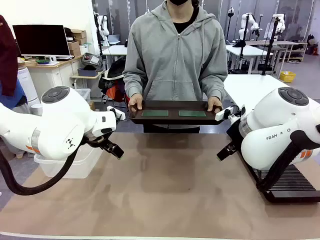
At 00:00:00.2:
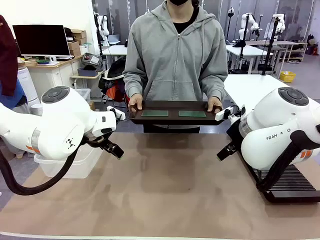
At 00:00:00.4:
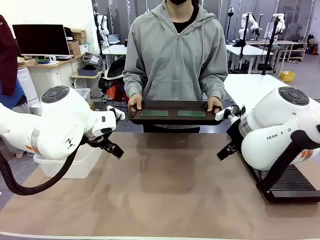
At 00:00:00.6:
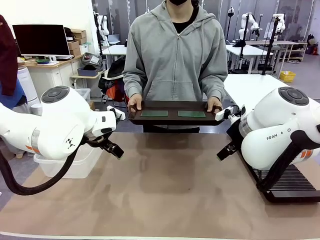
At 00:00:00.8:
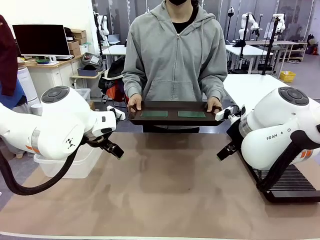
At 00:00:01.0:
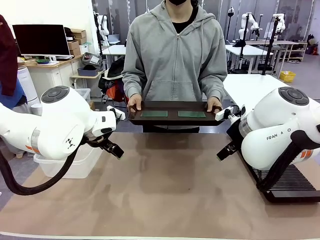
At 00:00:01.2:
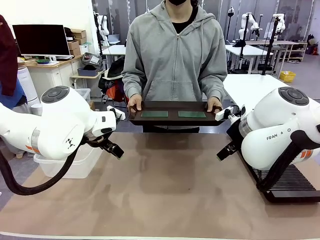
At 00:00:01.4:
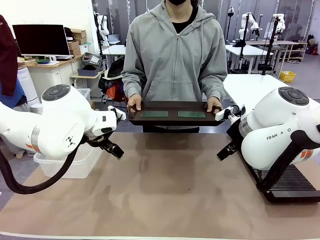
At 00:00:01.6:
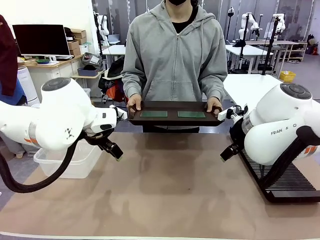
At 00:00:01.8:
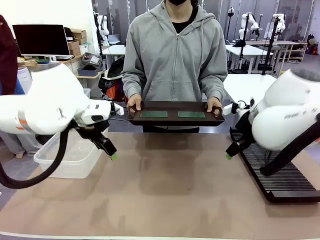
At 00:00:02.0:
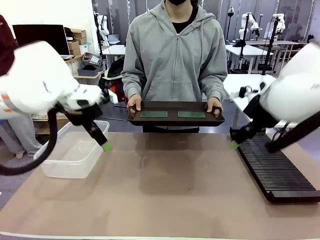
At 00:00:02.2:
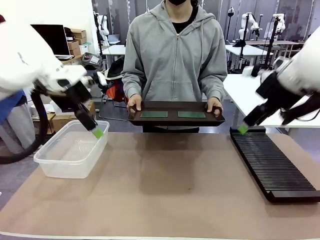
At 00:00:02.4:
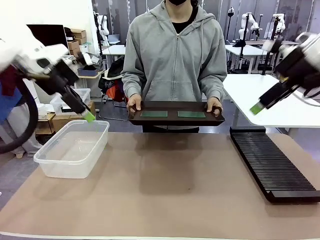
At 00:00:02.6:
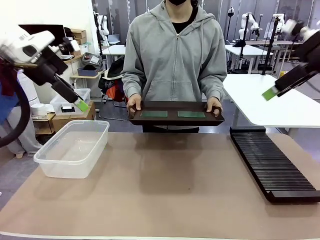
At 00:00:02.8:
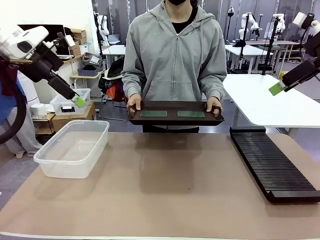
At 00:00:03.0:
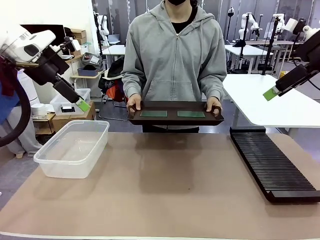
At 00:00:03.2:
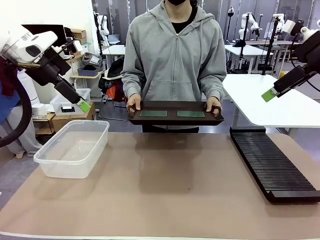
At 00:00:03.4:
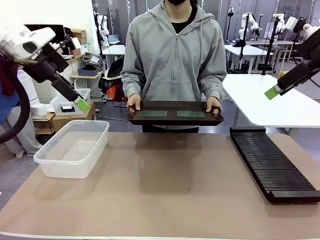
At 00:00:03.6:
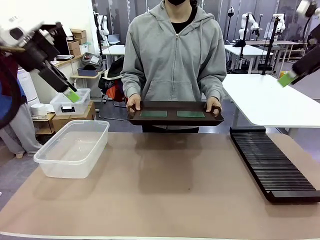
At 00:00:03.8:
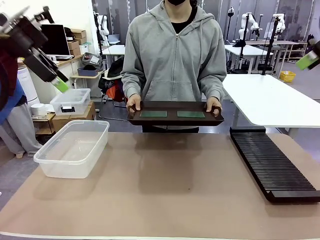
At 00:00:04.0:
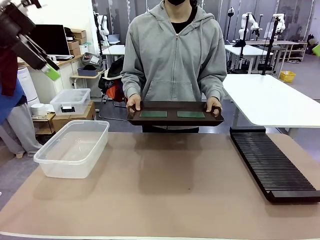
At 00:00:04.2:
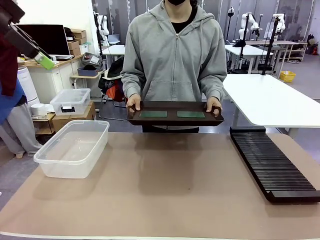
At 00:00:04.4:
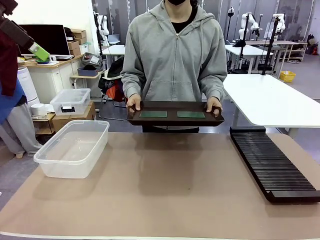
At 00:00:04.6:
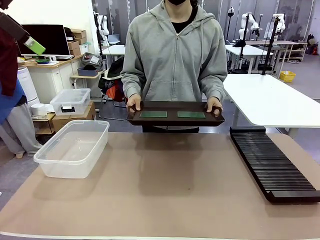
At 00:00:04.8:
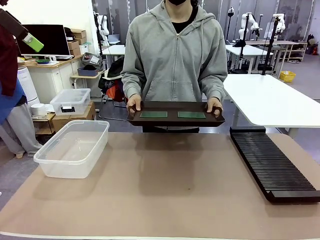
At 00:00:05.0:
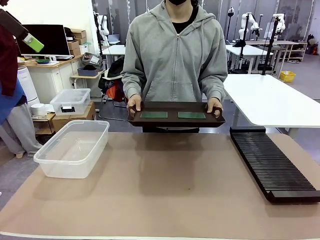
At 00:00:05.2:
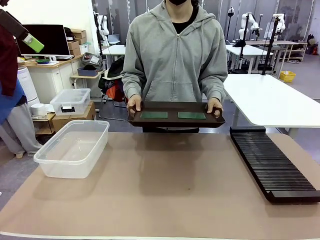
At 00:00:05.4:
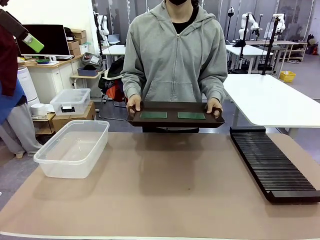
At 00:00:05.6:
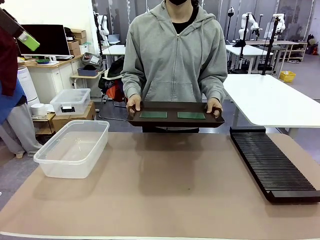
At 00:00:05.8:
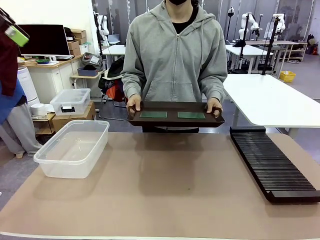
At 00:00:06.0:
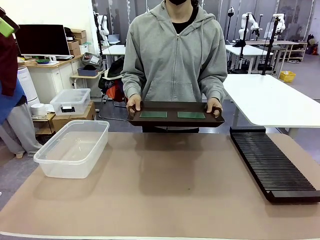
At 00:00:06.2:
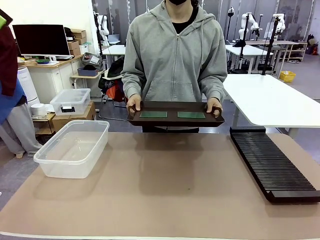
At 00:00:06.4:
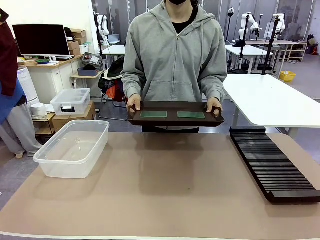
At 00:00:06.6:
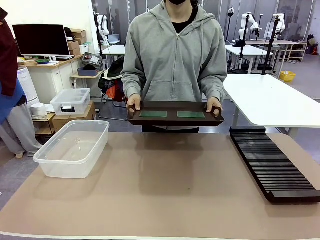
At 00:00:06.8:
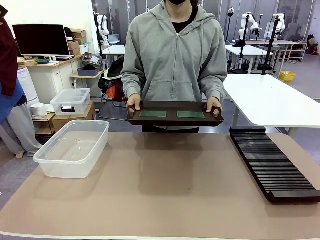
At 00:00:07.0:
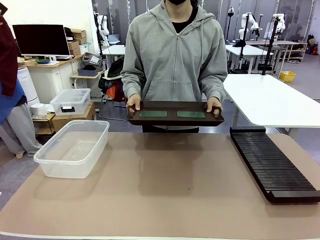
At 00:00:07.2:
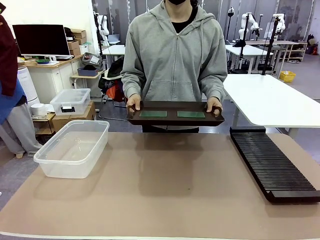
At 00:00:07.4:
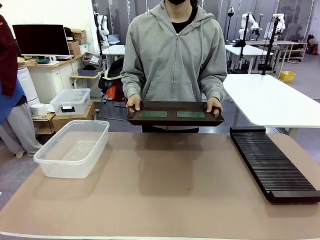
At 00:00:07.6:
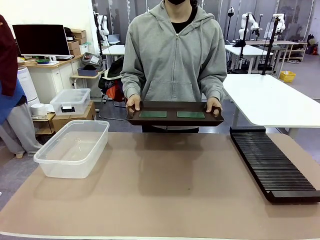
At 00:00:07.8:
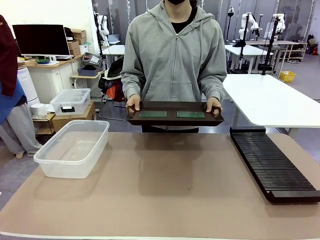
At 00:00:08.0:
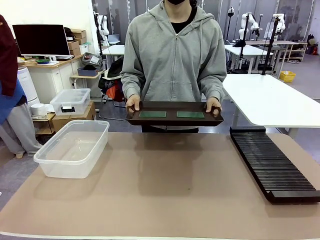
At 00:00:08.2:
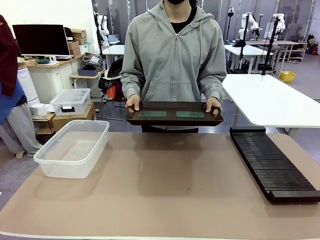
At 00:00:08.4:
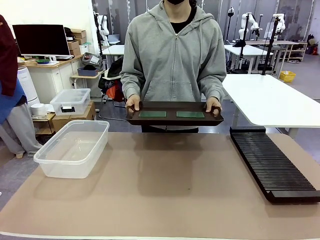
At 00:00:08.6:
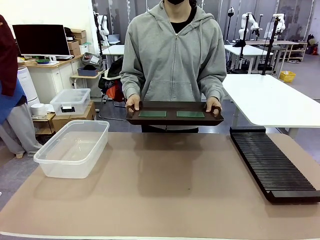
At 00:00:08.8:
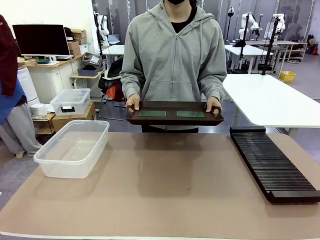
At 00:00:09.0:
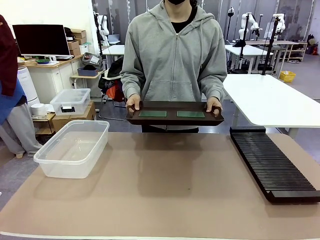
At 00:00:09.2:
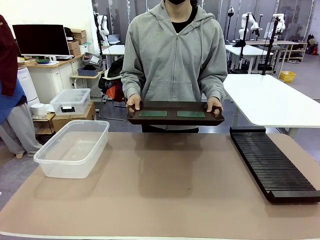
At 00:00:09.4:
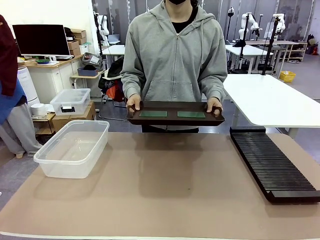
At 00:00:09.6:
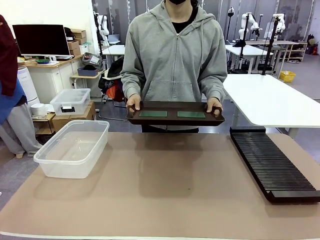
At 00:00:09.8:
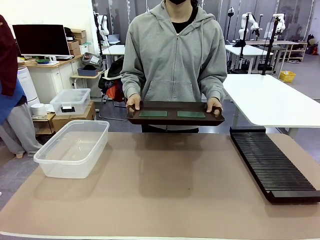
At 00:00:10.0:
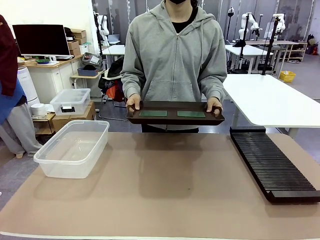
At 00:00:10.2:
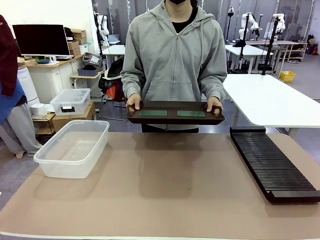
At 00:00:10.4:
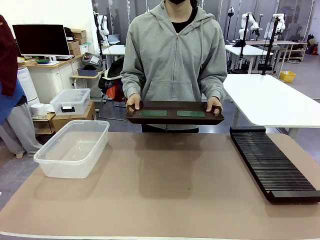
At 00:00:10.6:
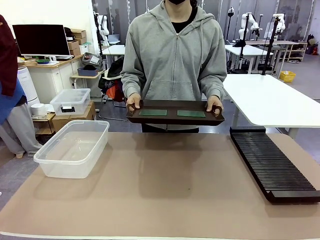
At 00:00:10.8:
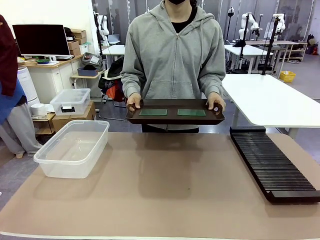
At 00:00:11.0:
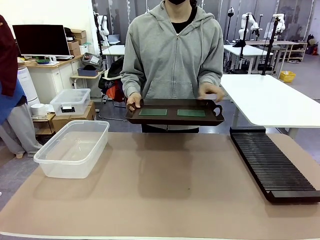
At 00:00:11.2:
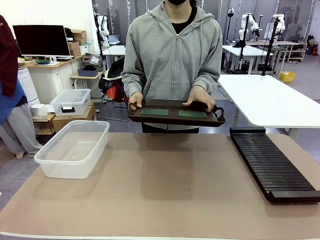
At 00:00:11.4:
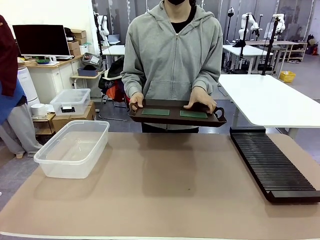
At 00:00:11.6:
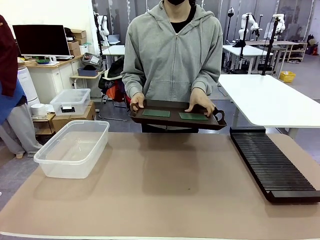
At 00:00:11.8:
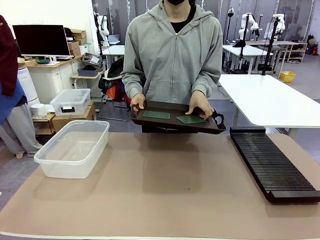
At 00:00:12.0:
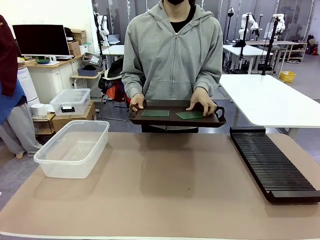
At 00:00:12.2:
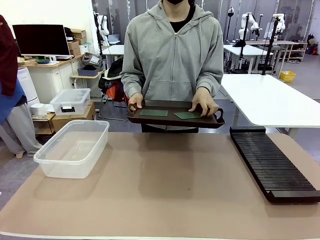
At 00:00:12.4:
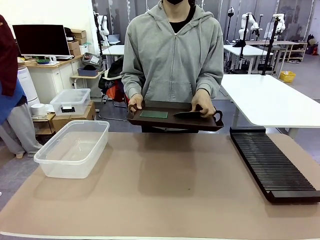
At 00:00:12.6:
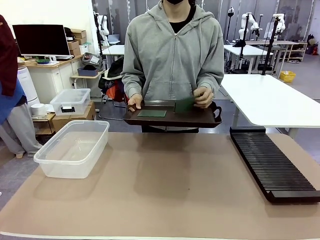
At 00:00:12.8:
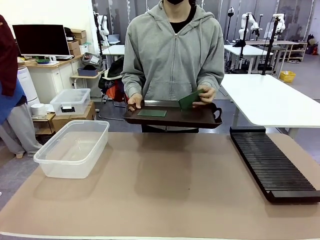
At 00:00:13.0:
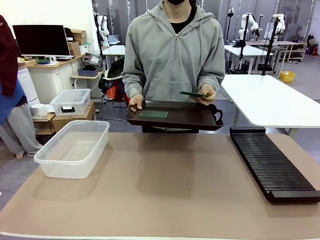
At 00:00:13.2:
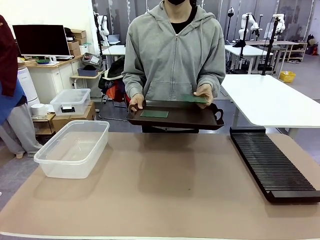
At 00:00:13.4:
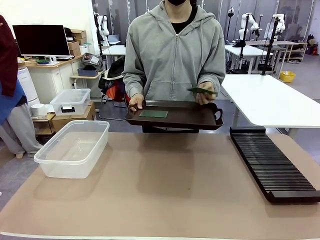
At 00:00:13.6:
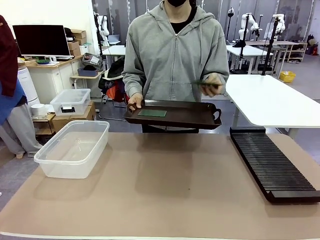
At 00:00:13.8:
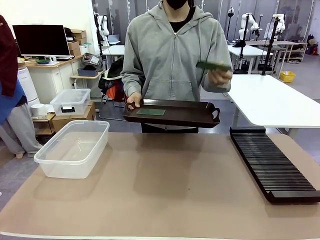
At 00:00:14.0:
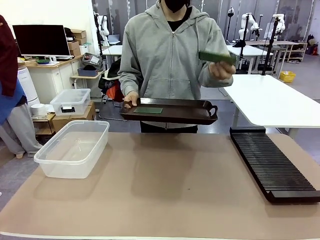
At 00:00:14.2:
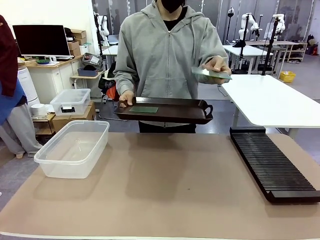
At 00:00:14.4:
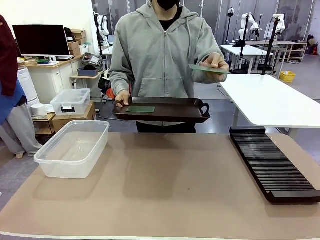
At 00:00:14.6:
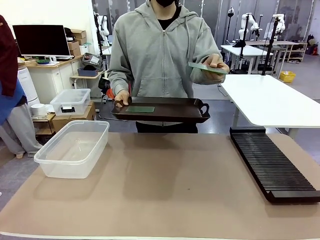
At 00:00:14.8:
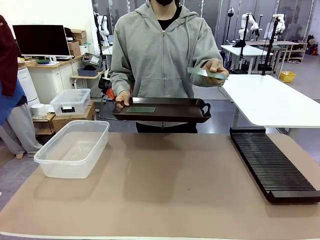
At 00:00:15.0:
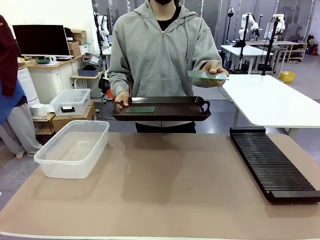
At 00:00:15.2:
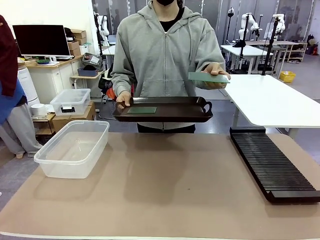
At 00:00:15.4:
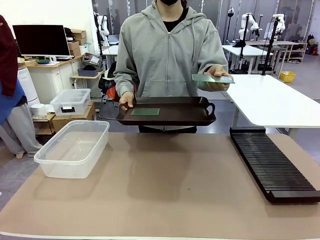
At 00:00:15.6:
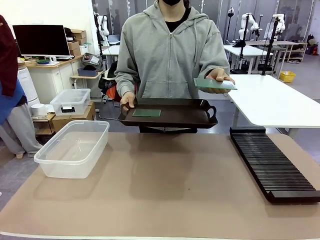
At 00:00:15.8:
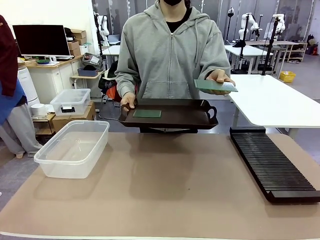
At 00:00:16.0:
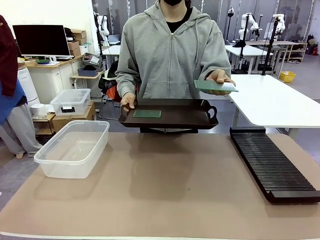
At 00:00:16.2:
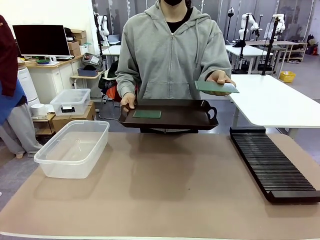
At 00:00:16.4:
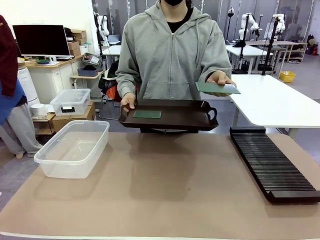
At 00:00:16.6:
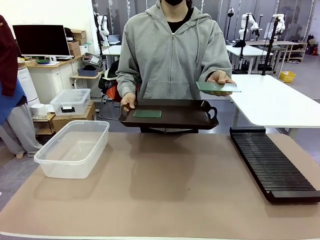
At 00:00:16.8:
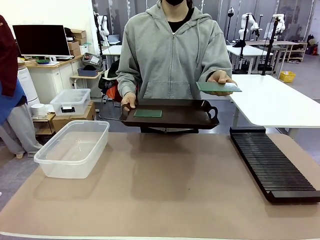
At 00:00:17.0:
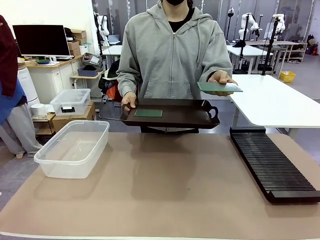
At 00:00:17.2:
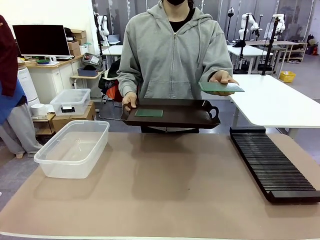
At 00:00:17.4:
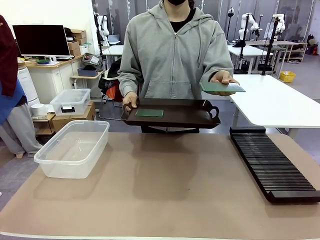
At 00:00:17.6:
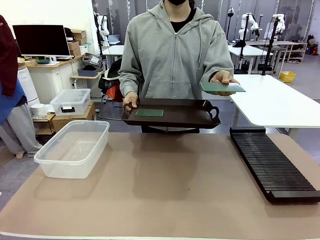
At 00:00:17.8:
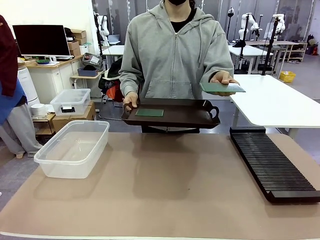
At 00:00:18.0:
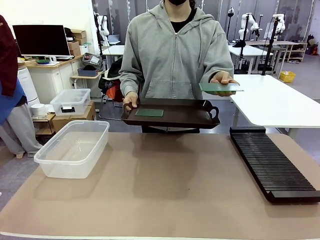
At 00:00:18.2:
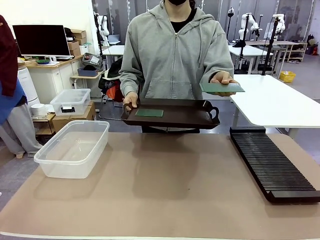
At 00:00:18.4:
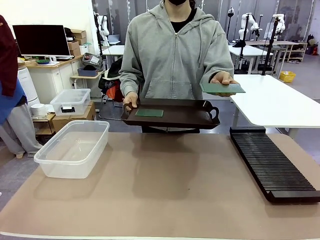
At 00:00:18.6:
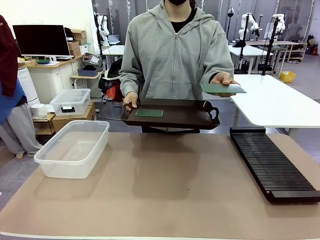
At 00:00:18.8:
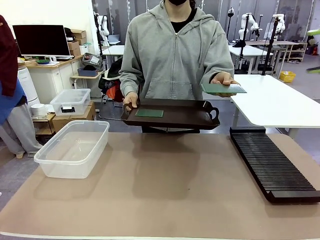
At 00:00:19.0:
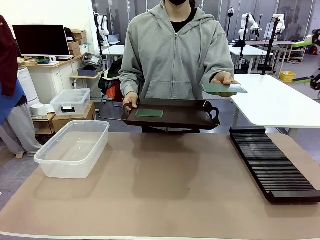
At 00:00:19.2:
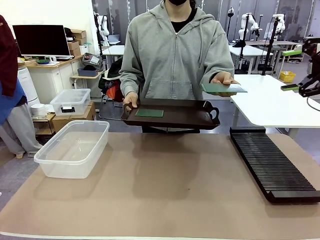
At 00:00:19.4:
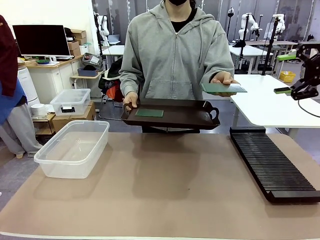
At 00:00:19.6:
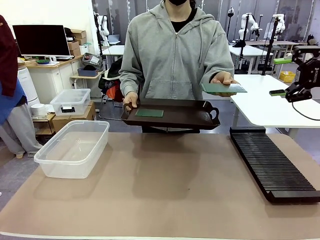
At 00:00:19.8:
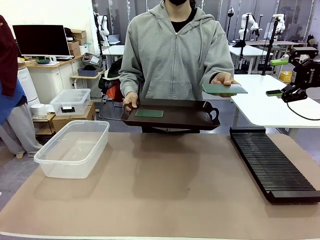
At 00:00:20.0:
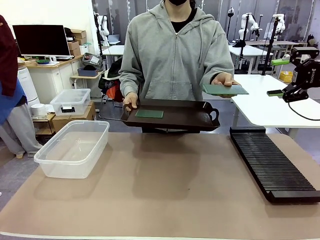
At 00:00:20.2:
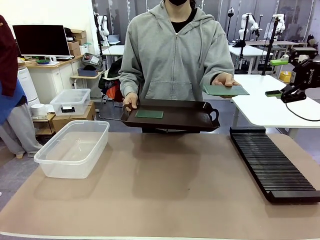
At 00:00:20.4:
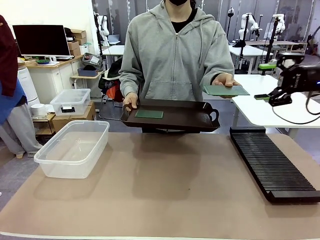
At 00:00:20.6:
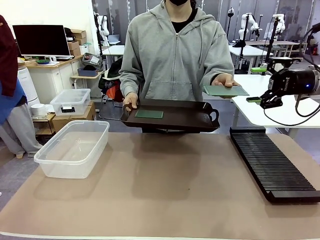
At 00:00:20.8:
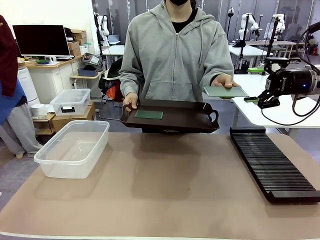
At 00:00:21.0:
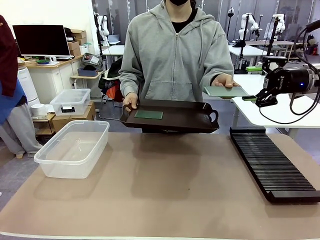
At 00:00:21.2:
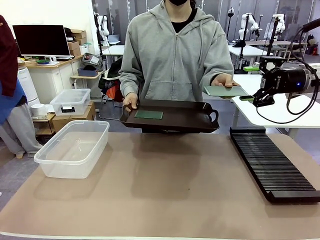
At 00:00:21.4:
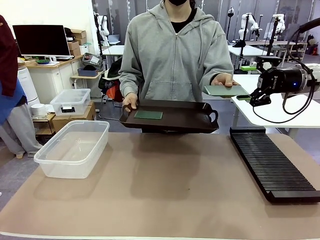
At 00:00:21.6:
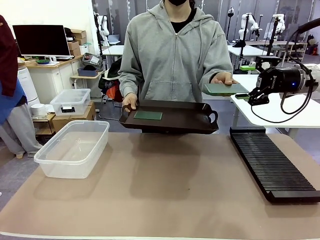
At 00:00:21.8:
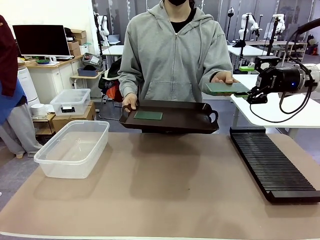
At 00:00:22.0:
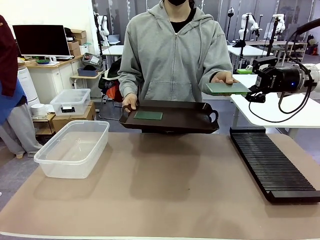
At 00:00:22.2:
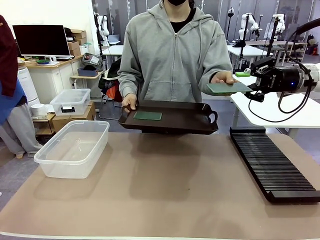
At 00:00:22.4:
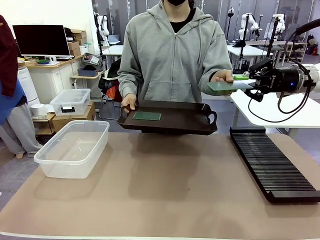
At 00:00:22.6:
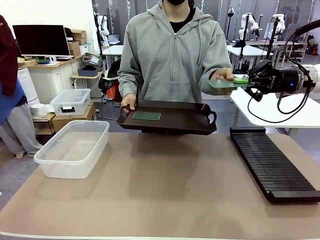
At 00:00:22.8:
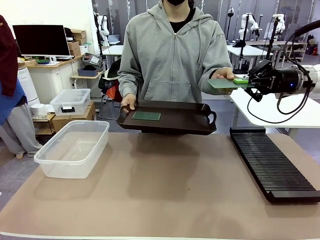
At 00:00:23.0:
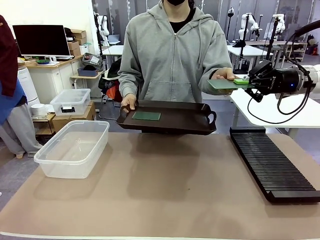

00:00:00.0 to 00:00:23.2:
Task: Sort PCBs into racks and boxes based on the side picked up.
Robot: Pick up the Blank PCB handed by the Human.
Person: Pick one PCB from the tray and present it to the robot. Release the PCB being held.
